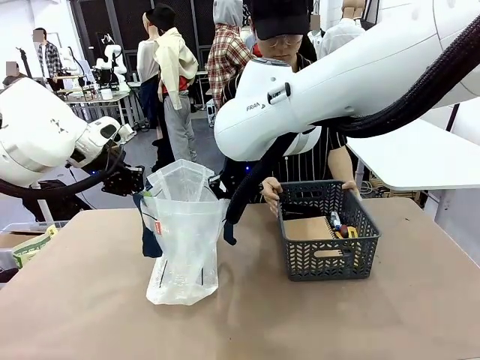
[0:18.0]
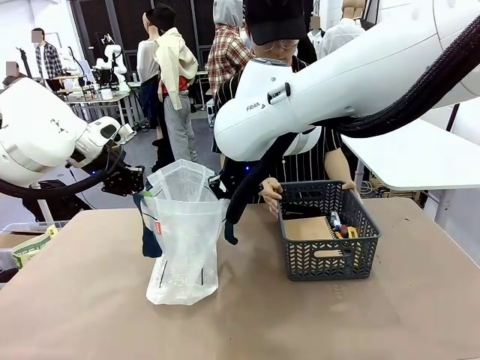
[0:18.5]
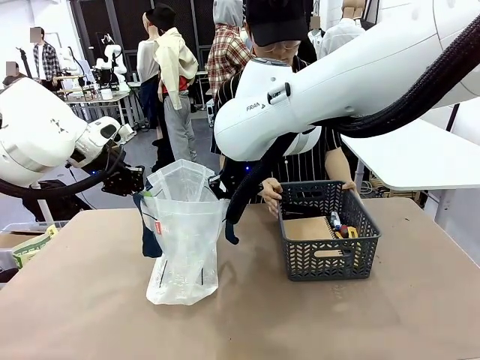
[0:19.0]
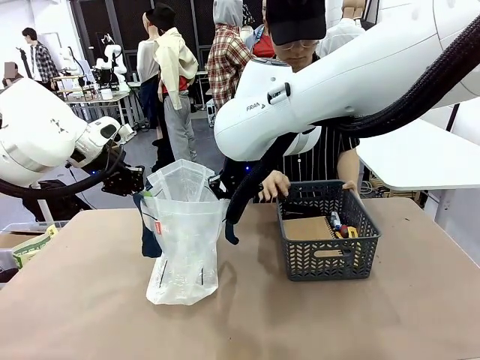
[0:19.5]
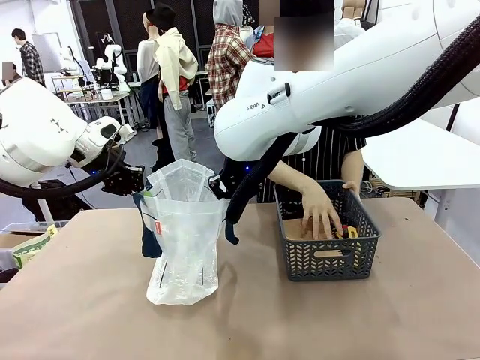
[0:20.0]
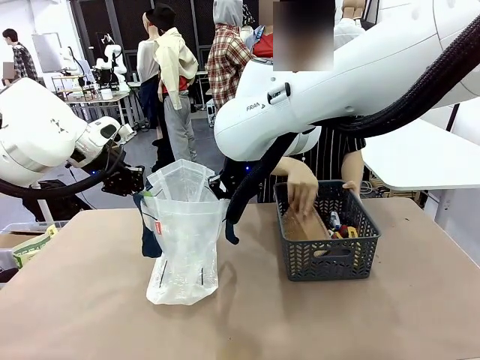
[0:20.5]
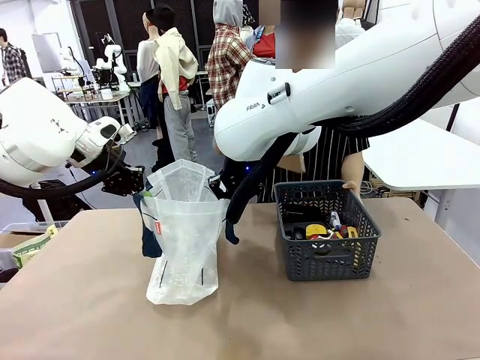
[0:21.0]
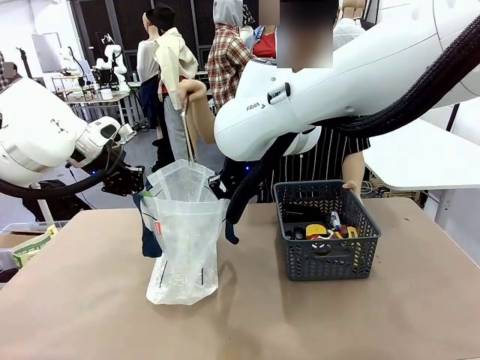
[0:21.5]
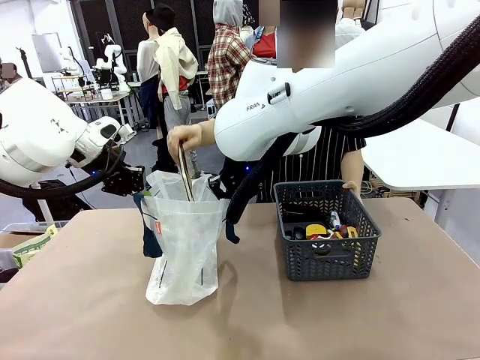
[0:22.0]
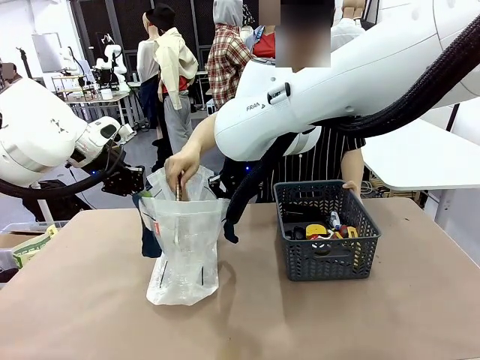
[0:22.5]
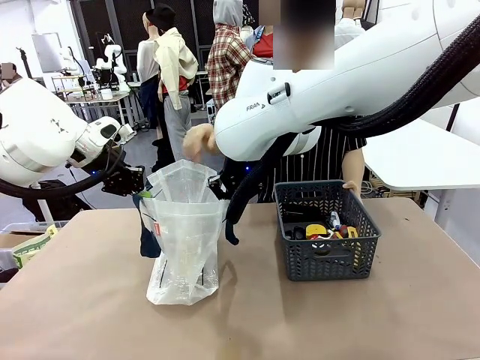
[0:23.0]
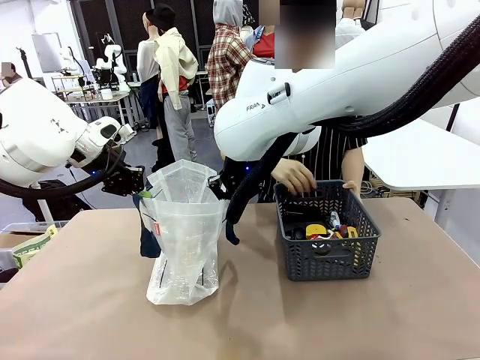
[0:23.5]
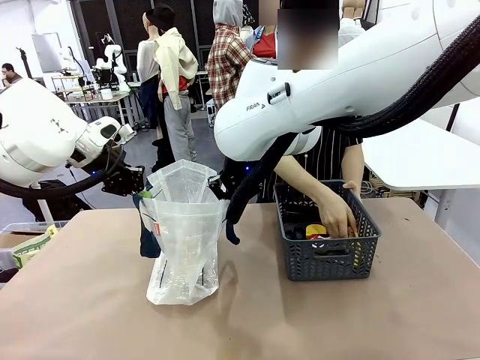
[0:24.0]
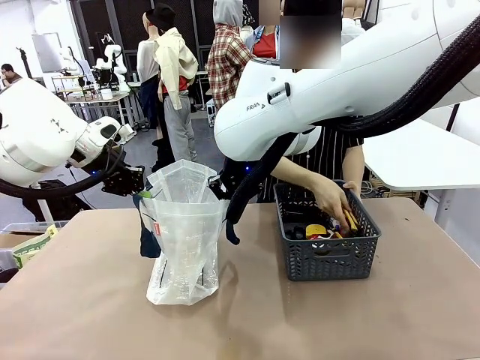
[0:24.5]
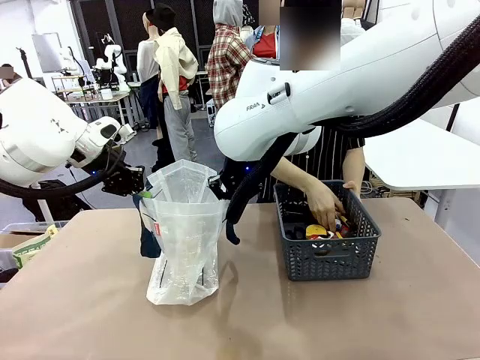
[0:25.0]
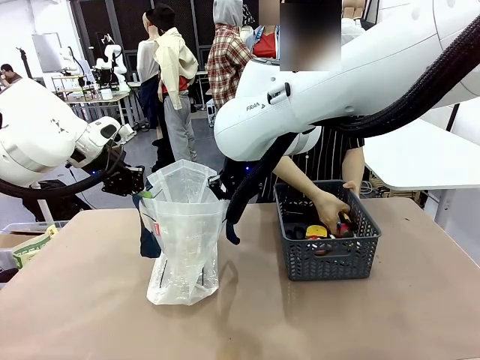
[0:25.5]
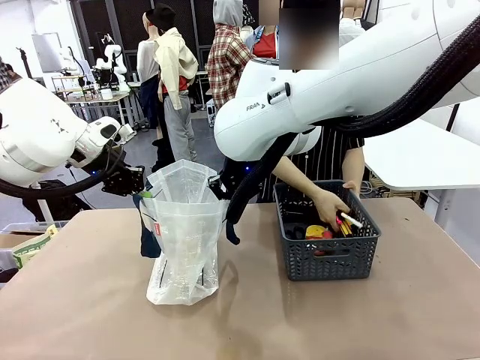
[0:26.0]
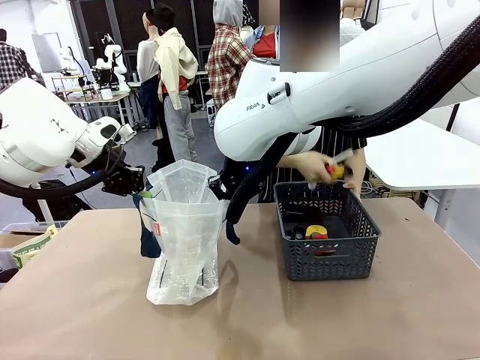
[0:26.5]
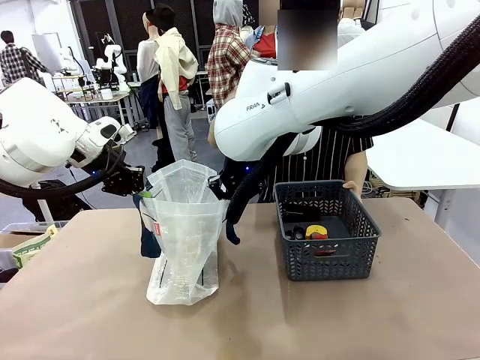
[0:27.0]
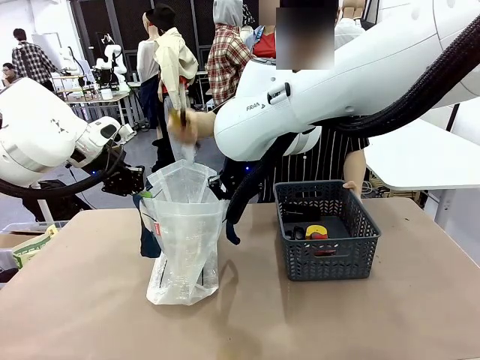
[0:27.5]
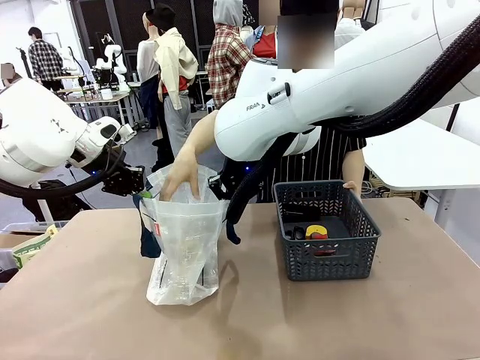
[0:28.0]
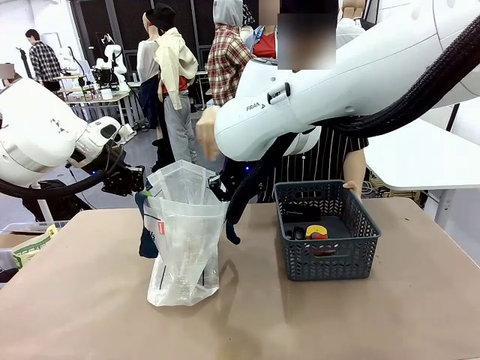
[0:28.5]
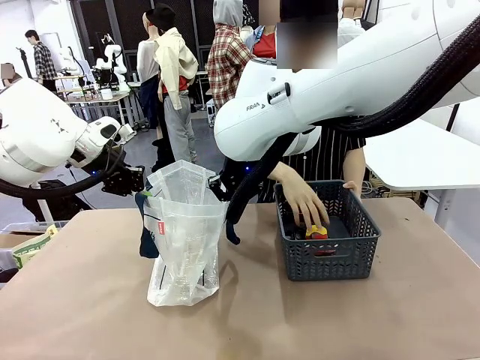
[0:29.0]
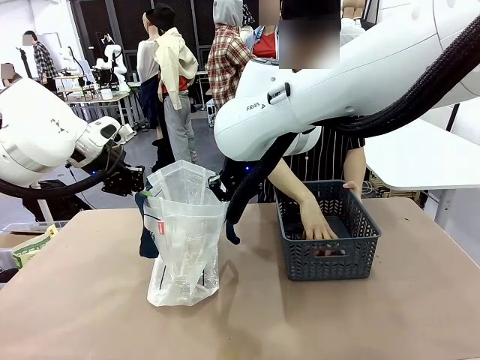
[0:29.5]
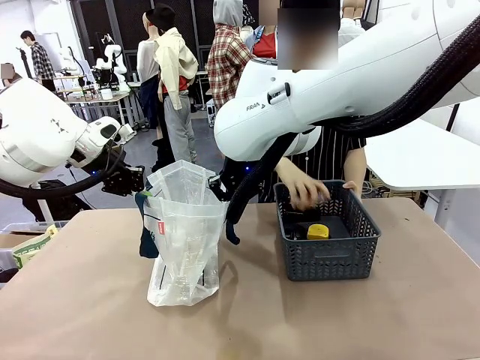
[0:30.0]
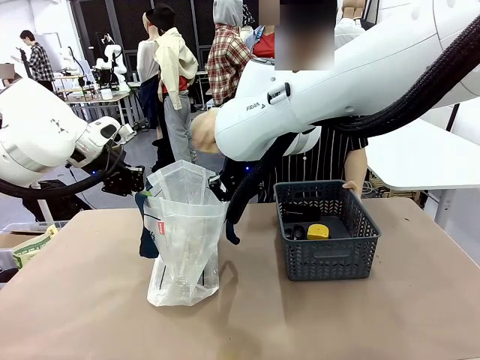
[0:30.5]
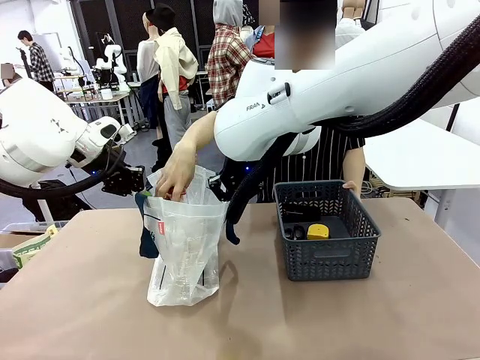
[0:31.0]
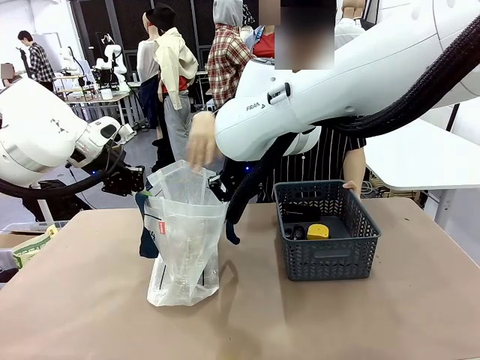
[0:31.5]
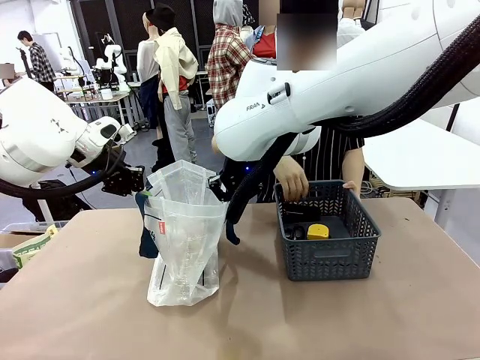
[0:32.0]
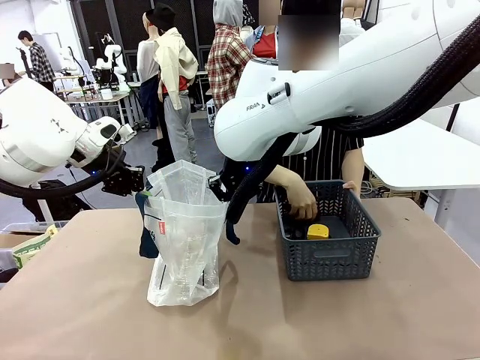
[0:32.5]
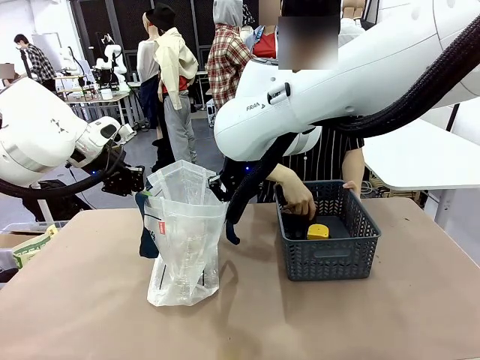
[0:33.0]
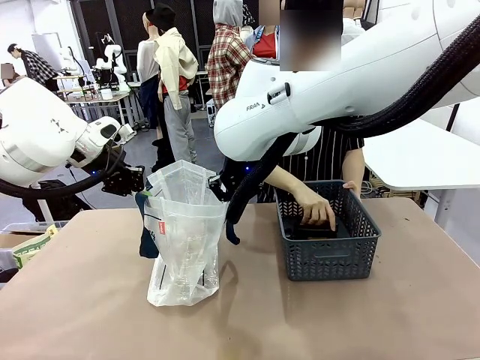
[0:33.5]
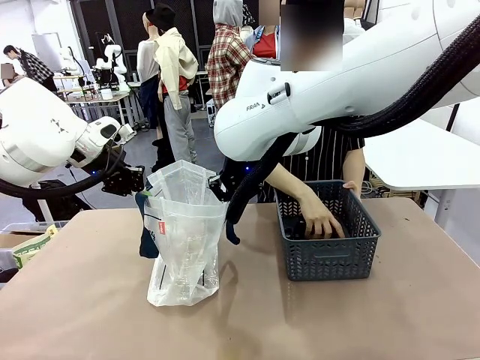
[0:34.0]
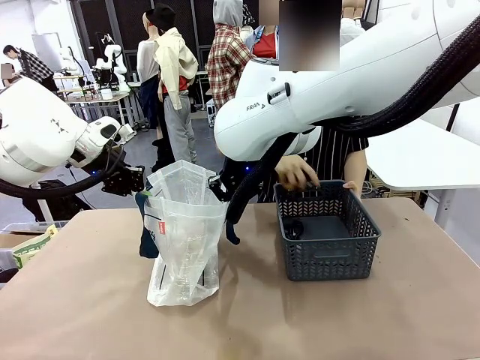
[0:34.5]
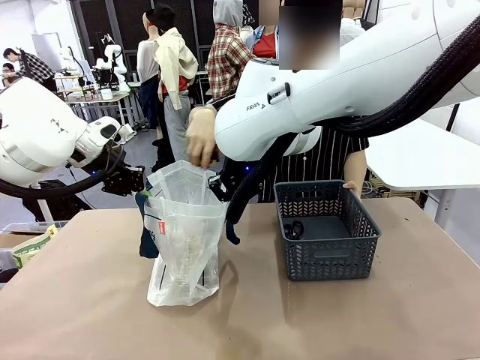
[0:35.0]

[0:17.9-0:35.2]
Task: Transfer purchased items from the store into the shopping bag.
Robot: Move the Reusable shopping bag to the right side of the table.
Person: Pick up the basket with the items out and place it on the right side of the human table.

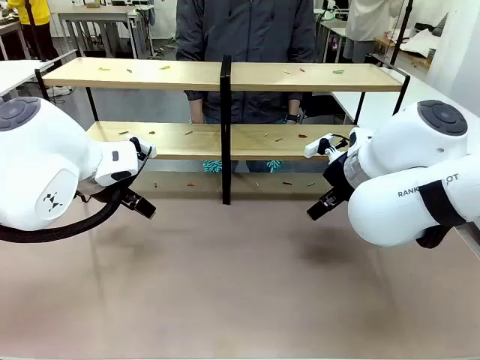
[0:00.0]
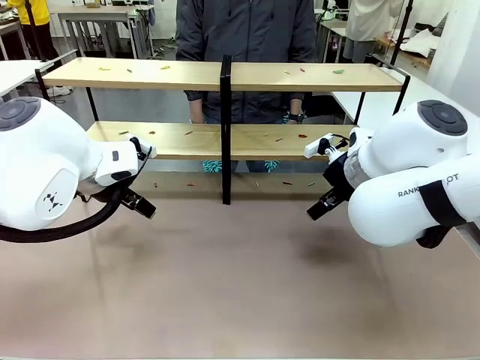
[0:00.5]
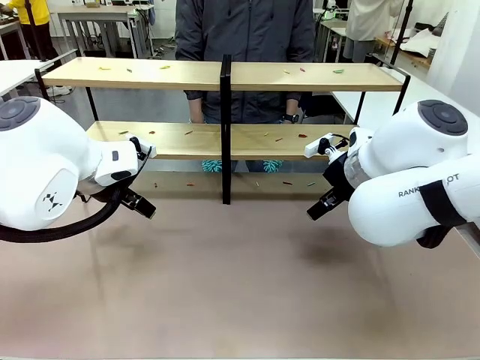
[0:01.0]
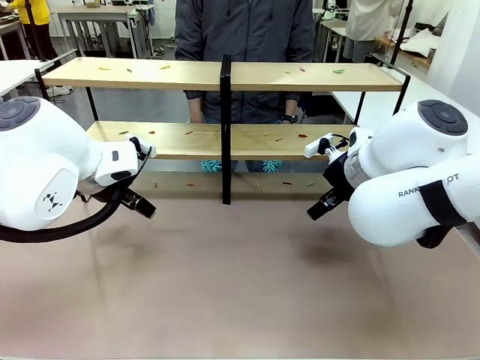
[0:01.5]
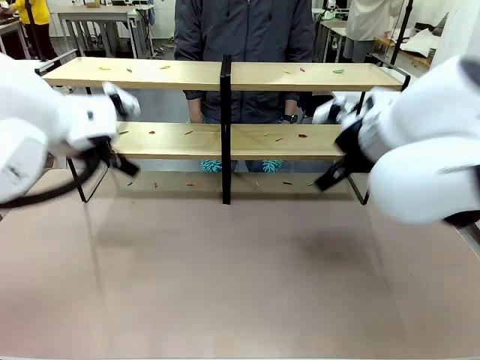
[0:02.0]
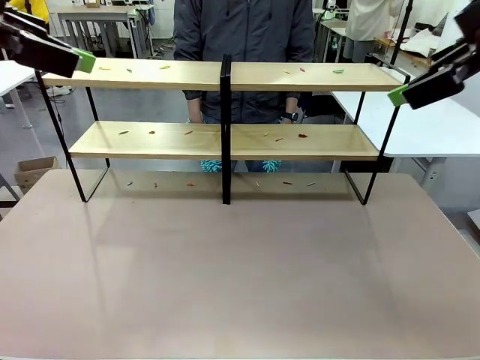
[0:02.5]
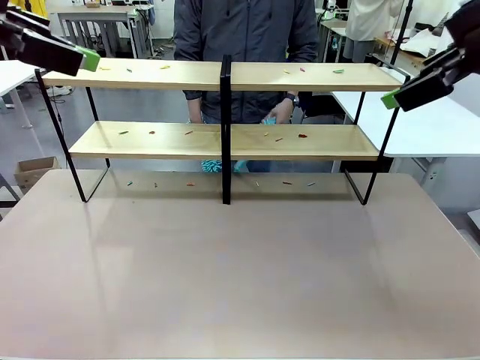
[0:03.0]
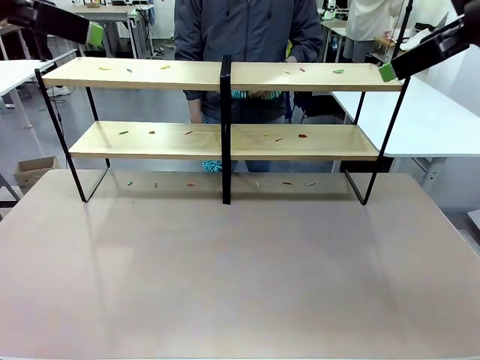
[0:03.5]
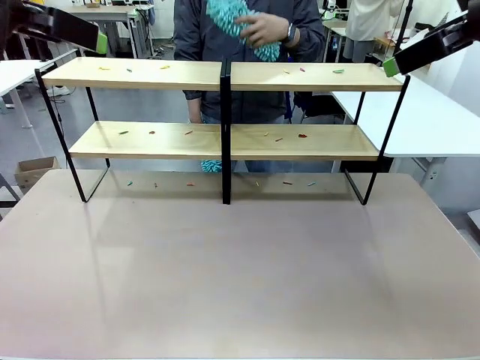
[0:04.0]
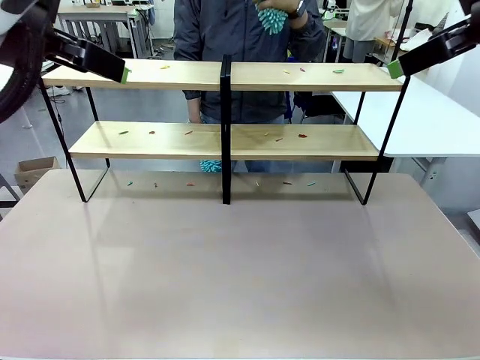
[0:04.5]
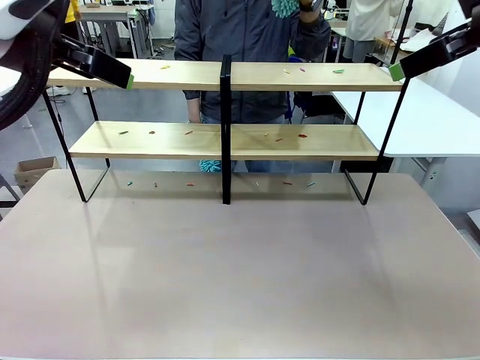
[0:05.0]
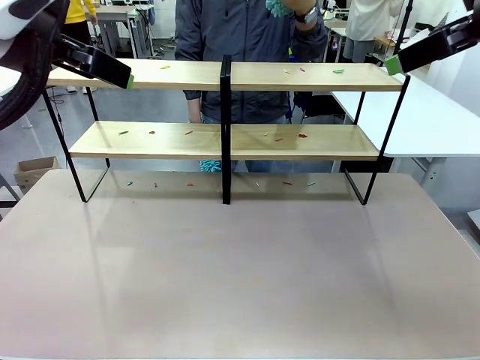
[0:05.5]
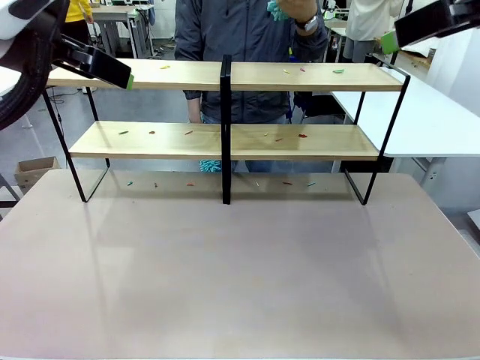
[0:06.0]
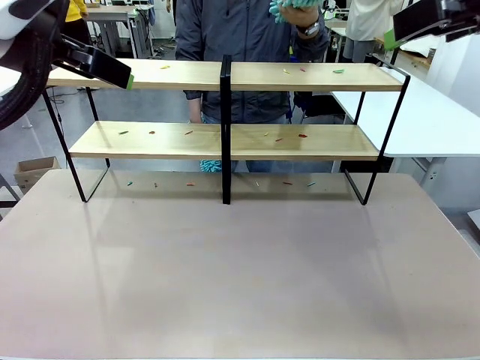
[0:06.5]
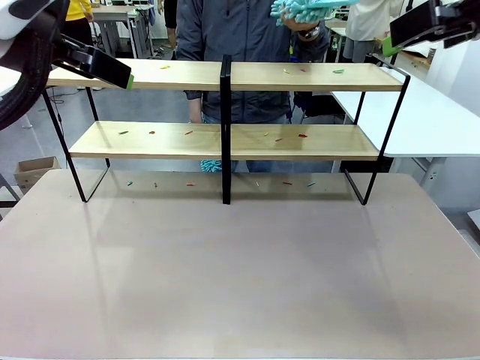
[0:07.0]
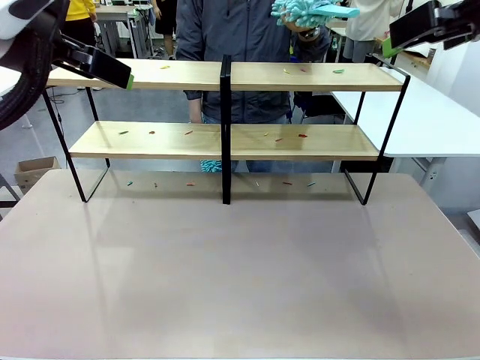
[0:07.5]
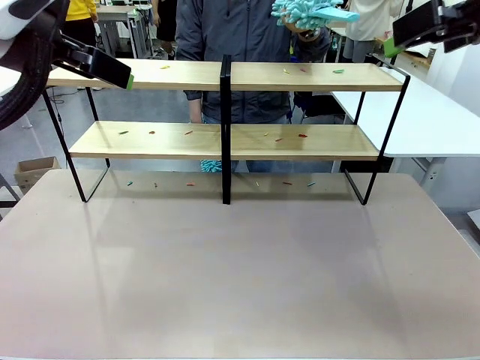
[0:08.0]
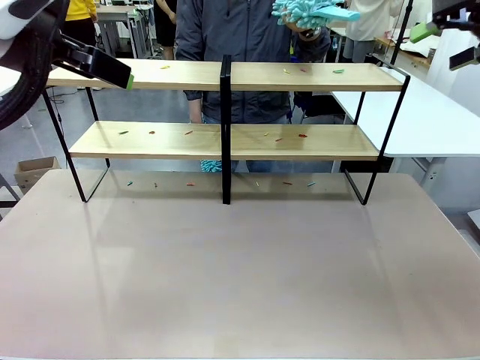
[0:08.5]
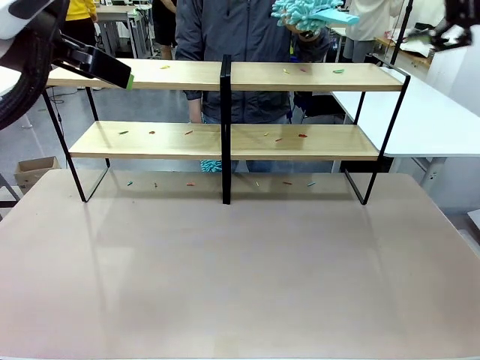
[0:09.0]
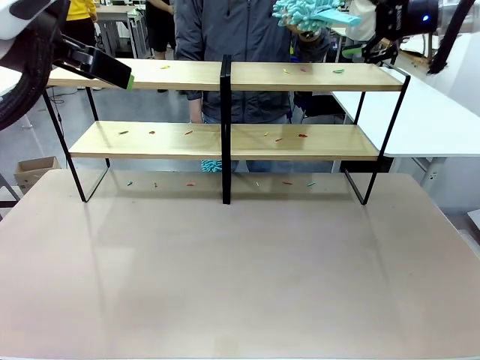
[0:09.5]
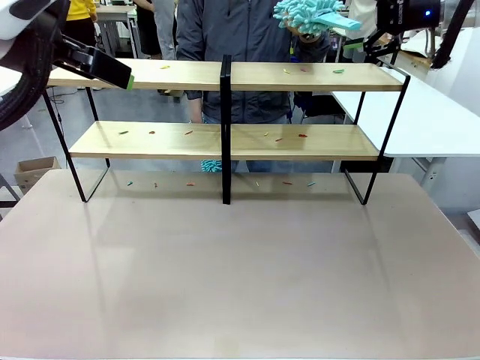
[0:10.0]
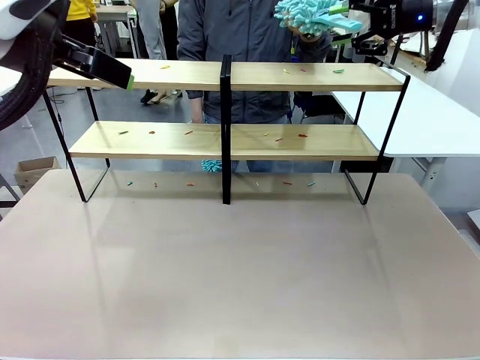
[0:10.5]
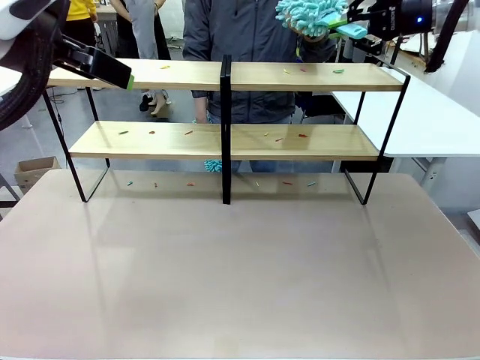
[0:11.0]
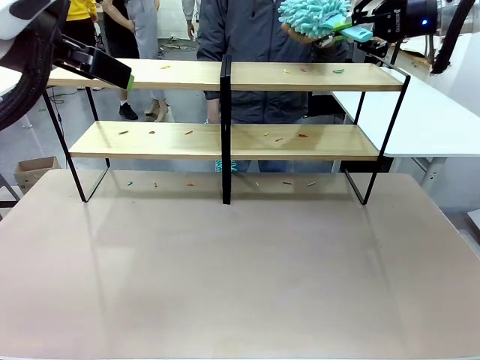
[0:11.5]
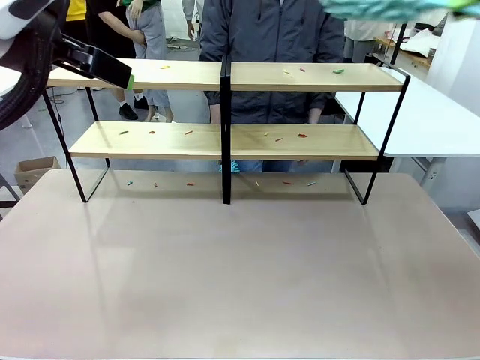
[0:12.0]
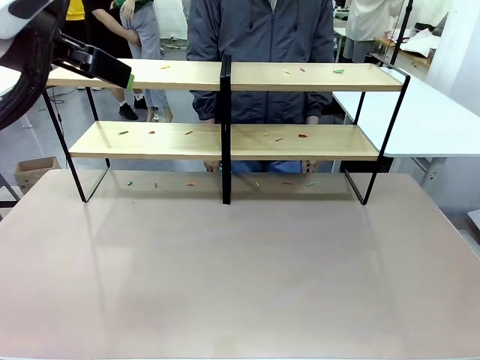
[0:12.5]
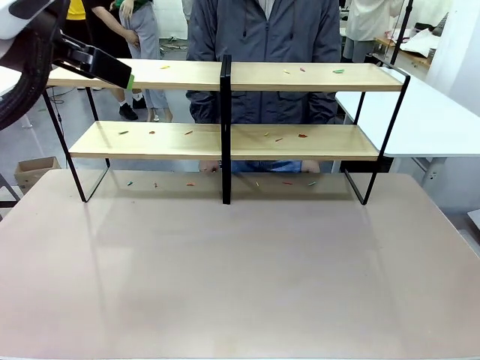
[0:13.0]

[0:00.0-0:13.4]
Task: Clean the shelves.
Robot: Pick up the Duster when the human hands it over.
Person: Hand the Duster to the robot with your right (or left) hand.
